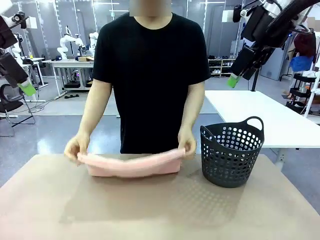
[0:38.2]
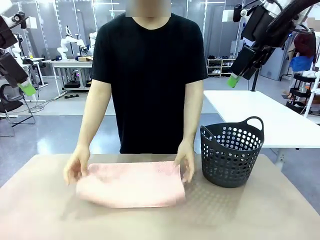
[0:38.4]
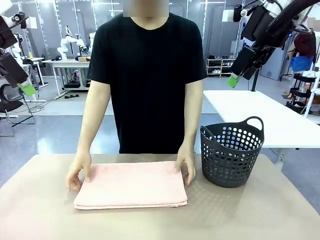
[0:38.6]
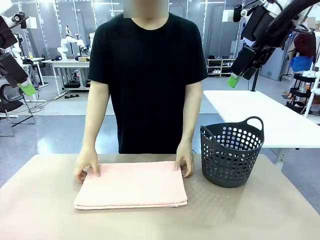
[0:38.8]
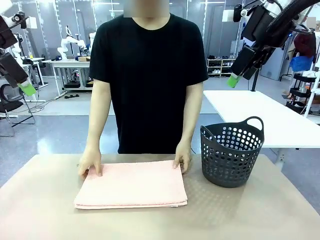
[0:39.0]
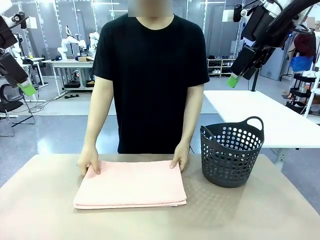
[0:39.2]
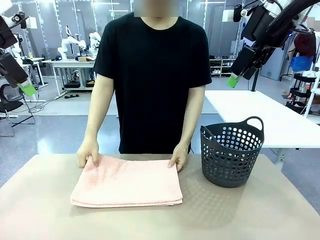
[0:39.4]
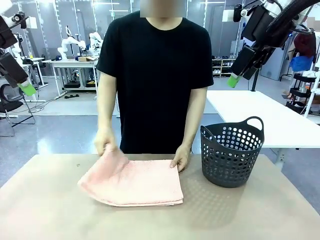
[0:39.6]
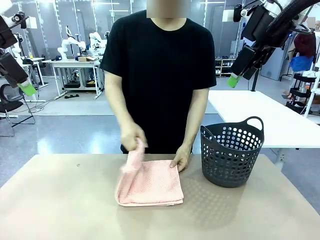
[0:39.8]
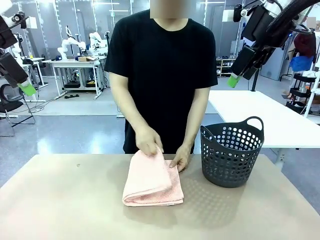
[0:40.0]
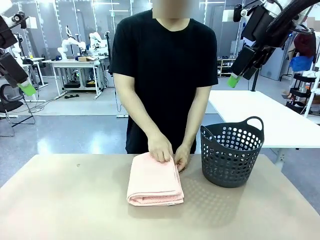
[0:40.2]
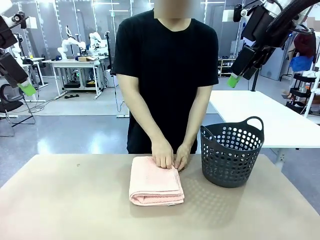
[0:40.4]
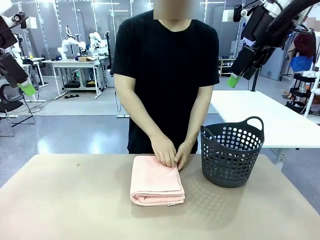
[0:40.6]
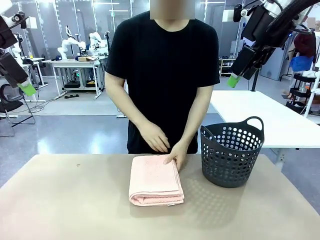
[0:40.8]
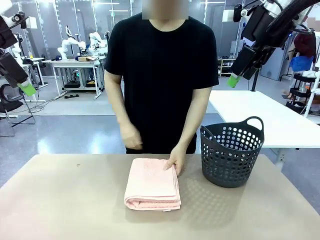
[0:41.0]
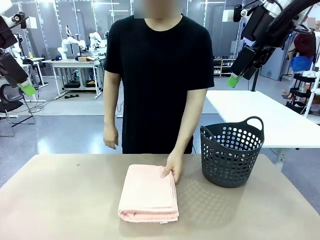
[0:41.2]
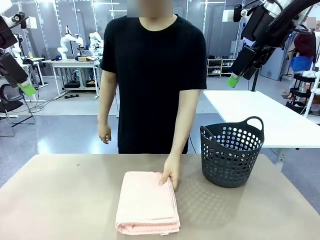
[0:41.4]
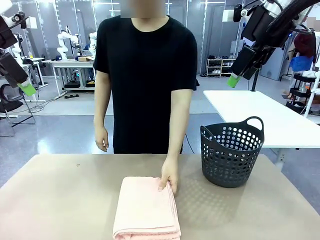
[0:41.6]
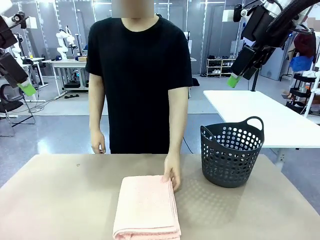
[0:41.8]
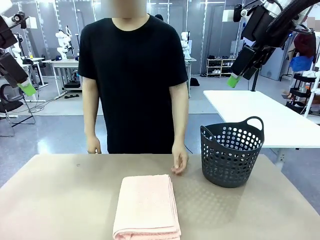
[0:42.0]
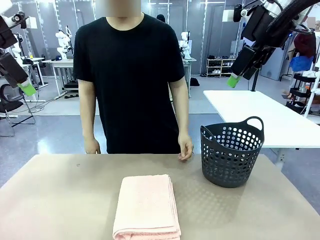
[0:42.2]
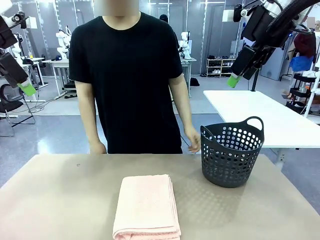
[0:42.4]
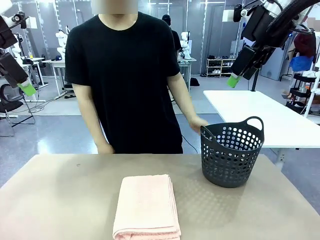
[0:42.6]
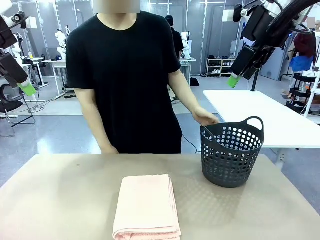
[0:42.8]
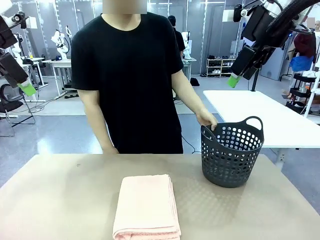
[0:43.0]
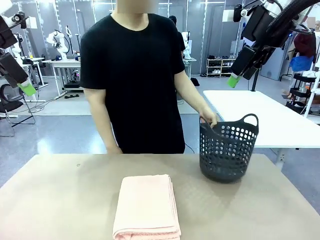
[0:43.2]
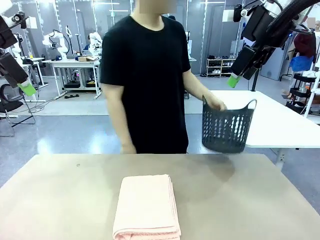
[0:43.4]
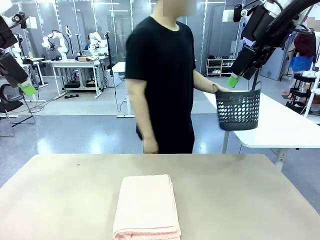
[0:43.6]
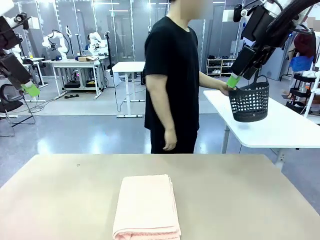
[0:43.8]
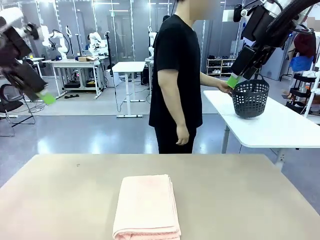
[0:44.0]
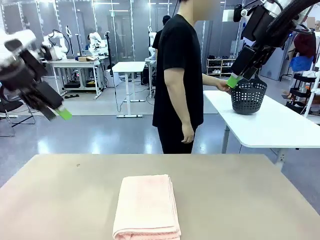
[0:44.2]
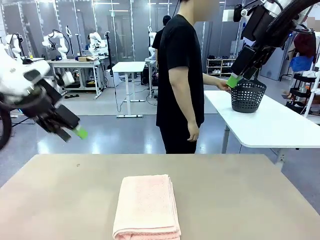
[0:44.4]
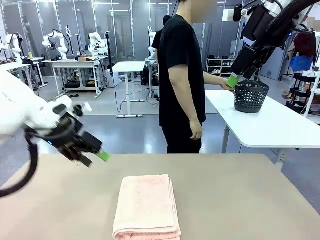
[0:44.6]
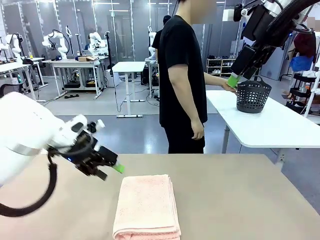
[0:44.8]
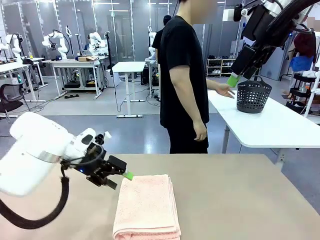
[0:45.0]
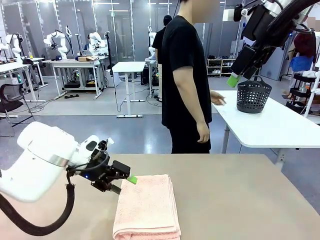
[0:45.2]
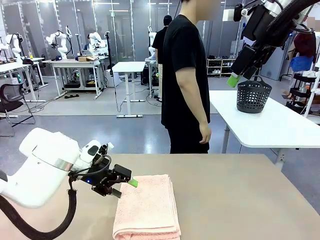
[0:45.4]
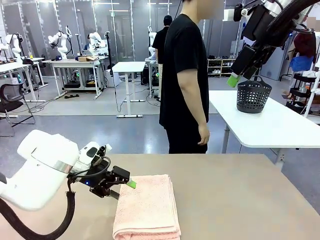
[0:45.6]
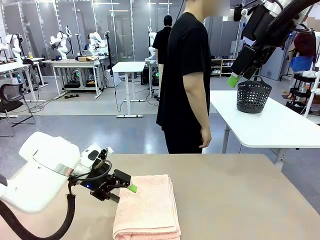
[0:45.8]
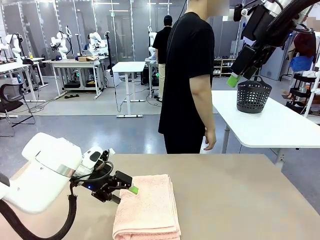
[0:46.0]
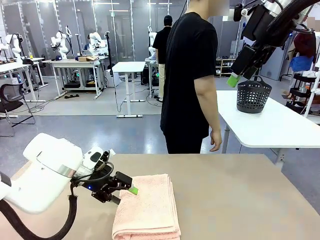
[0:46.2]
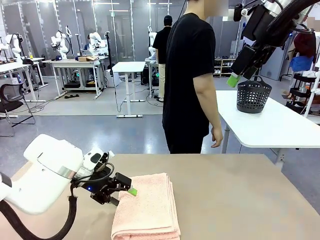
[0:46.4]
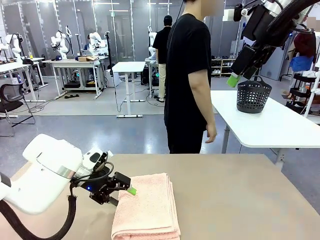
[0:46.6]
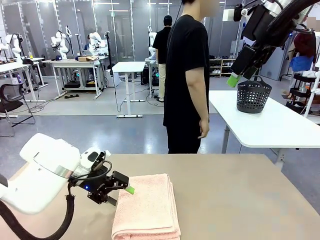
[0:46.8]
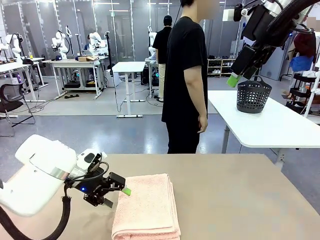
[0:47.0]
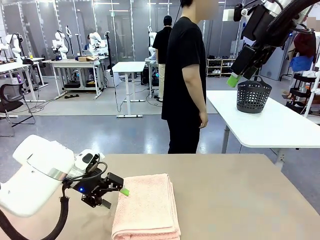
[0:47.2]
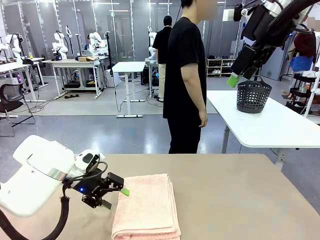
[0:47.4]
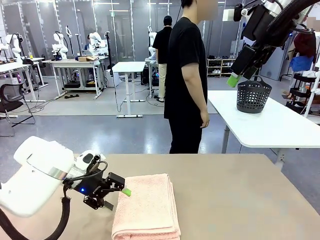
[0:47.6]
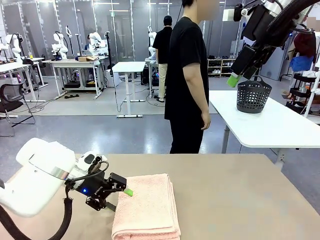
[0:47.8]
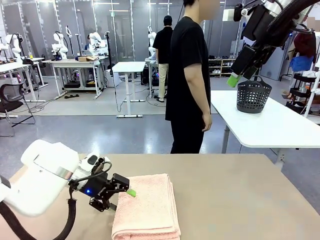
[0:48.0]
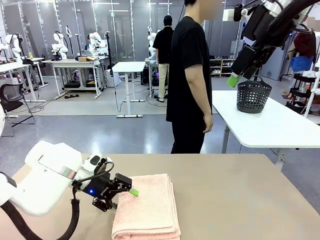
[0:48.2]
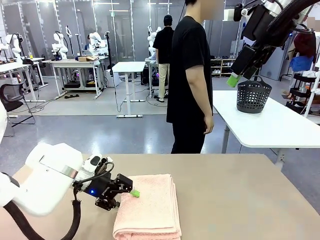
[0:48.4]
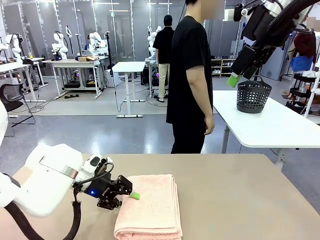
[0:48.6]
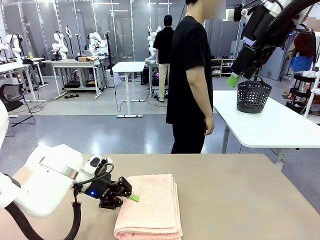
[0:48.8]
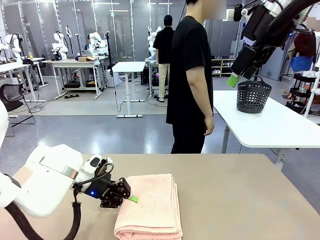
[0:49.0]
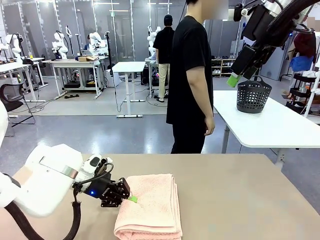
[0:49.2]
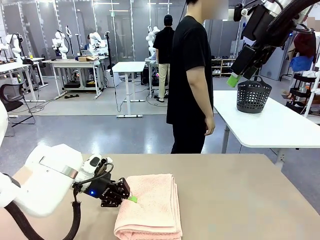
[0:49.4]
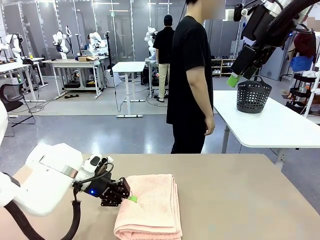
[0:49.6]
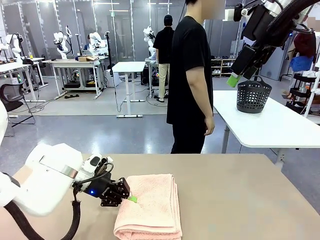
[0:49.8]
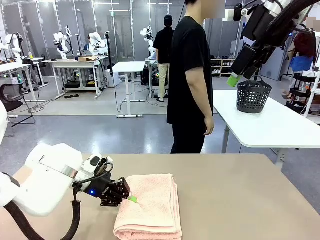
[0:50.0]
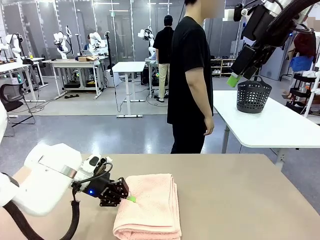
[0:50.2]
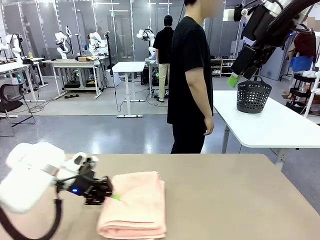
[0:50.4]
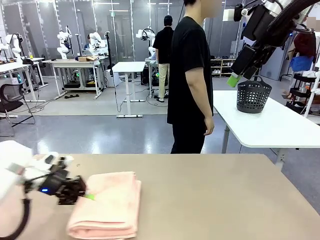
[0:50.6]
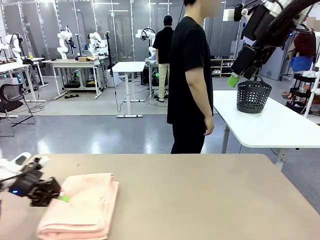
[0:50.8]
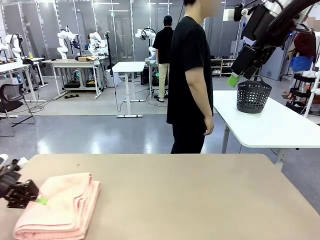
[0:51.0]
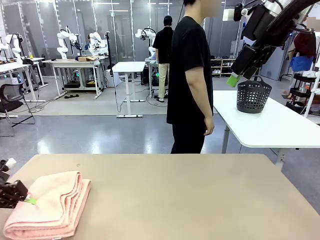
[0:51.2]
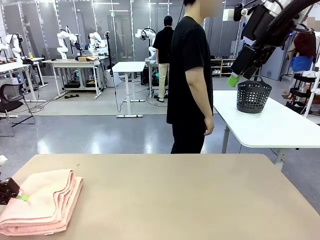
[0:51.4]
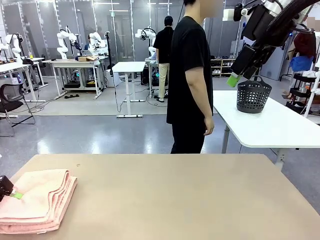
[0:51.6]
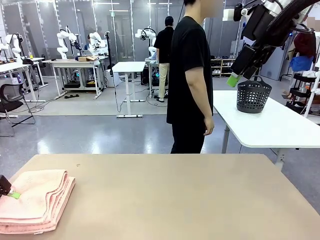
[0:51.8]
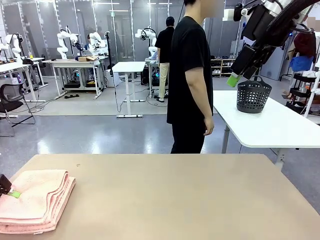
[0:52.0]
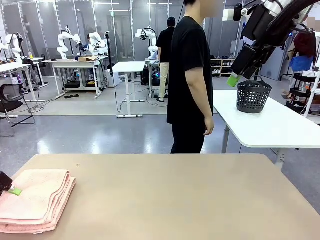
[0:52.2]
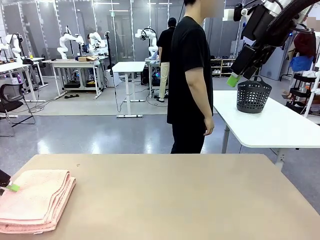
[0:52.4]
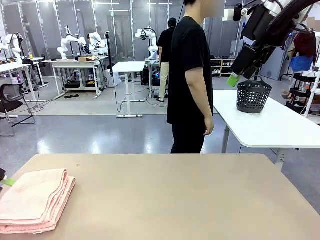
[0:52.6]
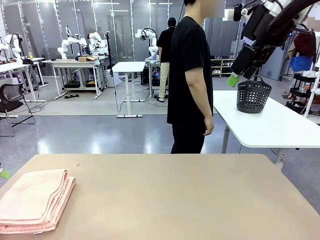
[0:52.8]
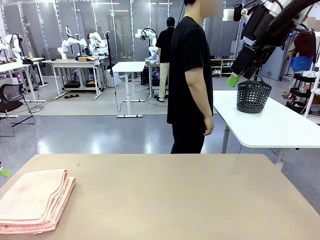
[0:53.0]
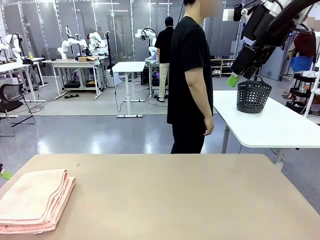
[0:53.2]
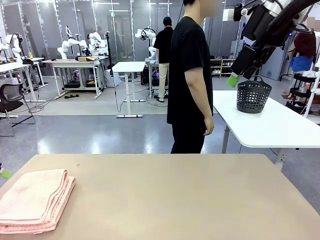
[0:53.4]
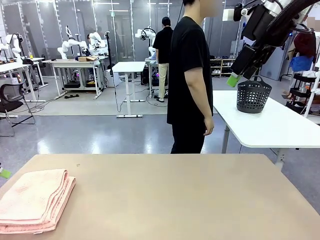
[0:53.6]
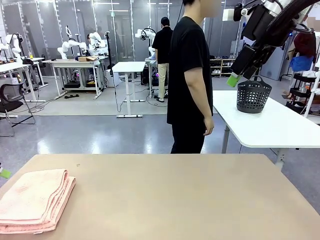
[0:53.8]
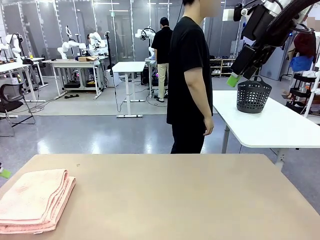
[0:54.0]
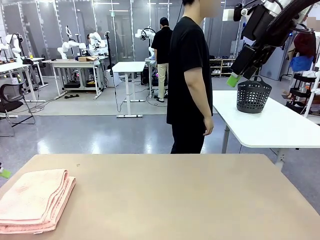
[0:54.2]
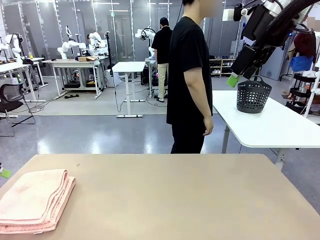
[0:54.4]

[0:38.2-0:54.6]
Task: Fold the towel.
Robot: Pick up the 100 cm Hotel Towel and place it on the left side of the table.
Person: Place the towel at the center of the robot table and fold it in half. Pick up the laundry basket and place it at the center of the human table.
